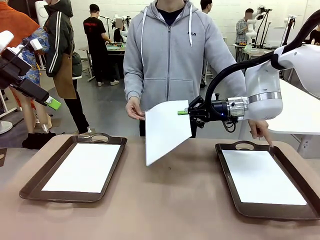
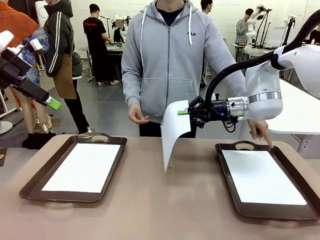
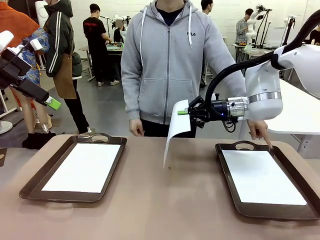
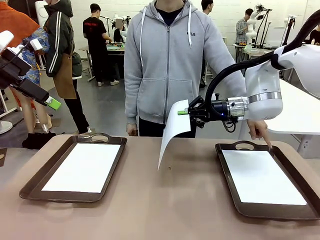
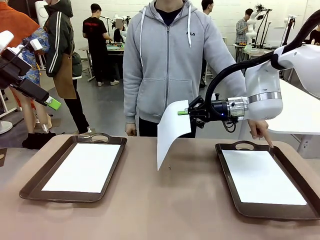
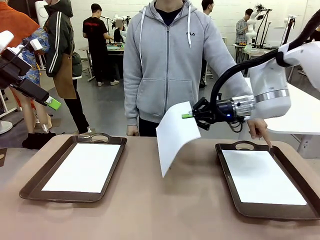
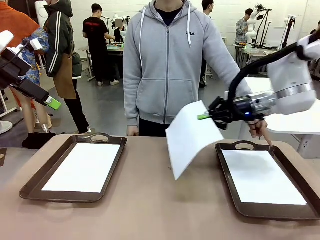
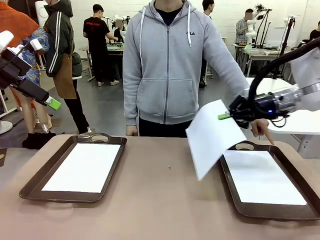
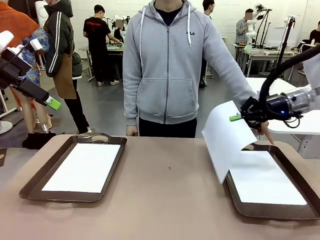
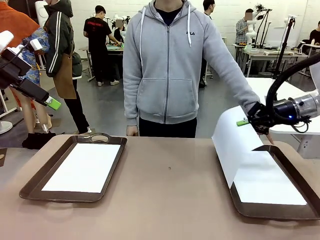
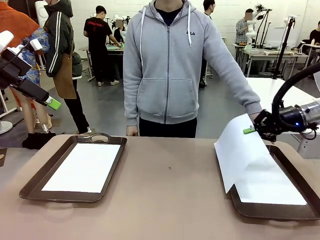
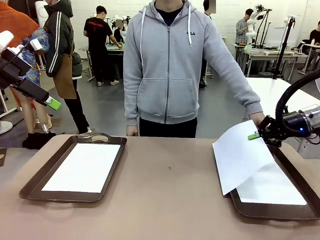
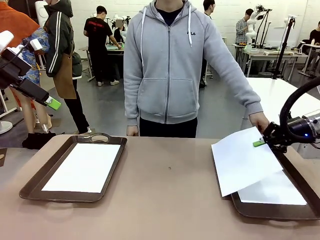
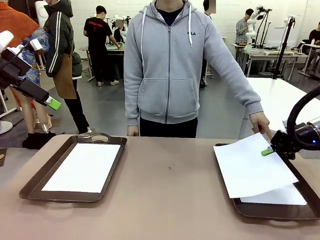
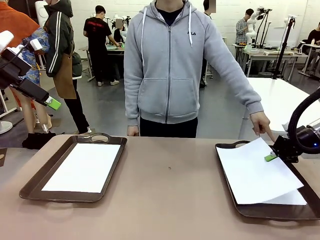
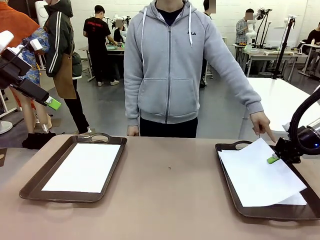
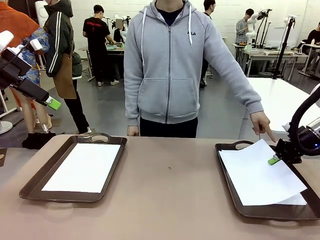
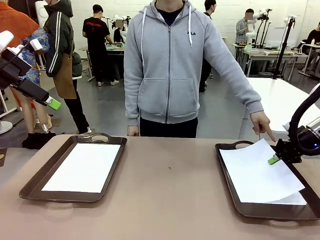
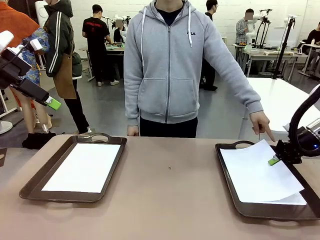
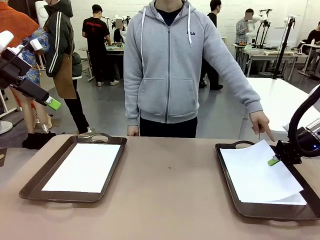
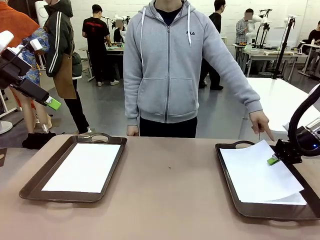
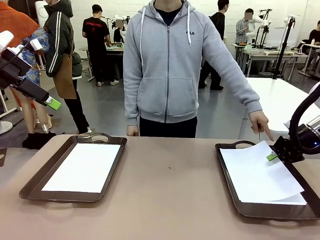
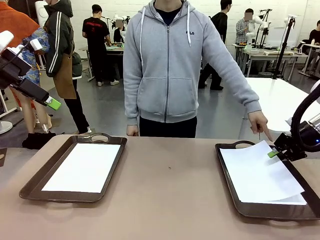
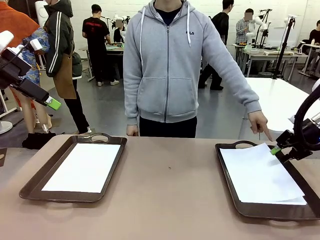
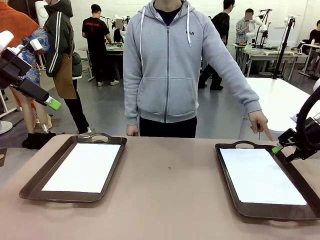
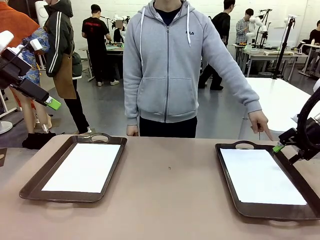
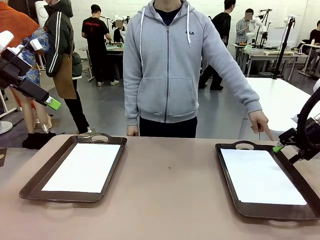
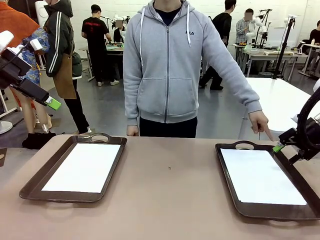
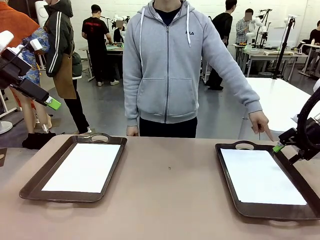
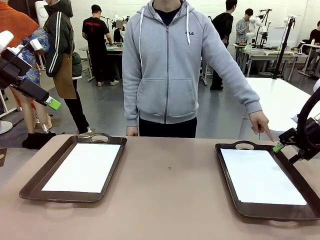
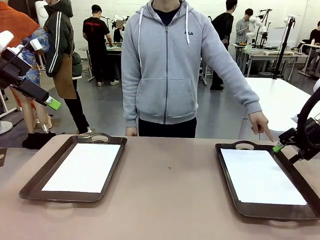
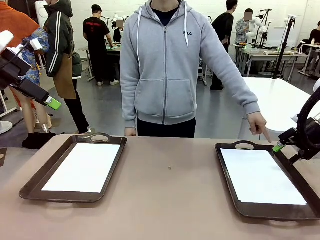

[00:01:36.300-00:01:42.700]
Task: Sort the A4 documents.
Robot: Place the A4 Paper in the designated Handle tray.

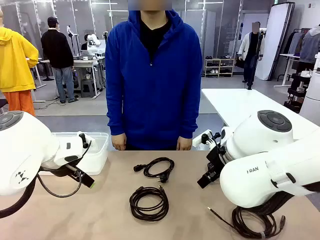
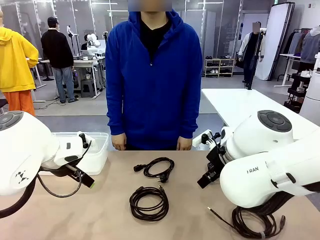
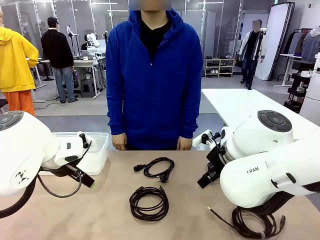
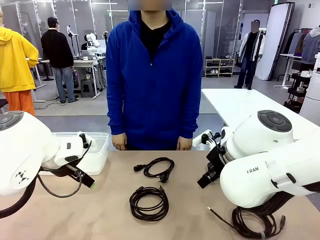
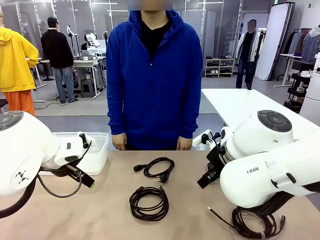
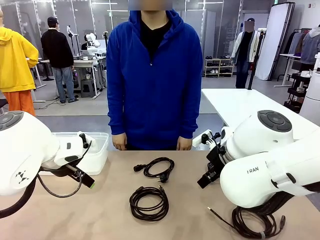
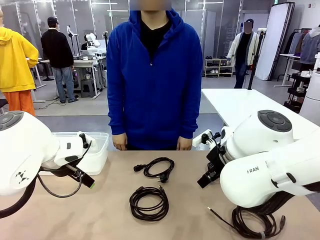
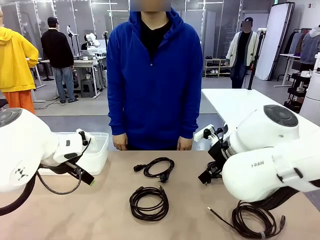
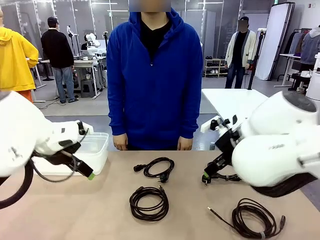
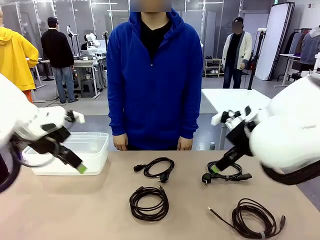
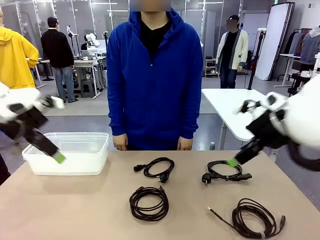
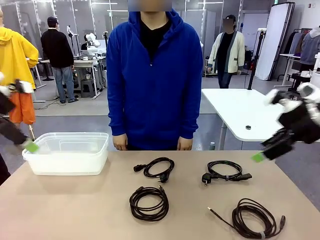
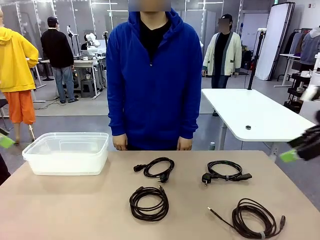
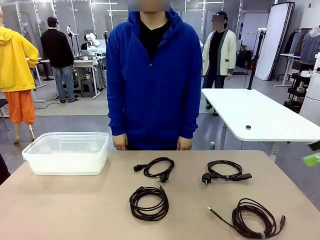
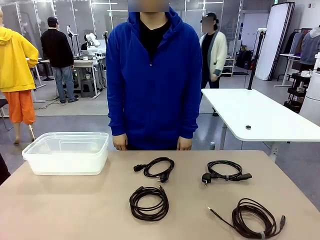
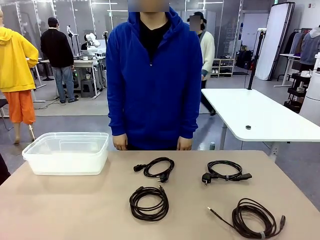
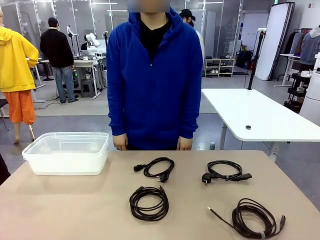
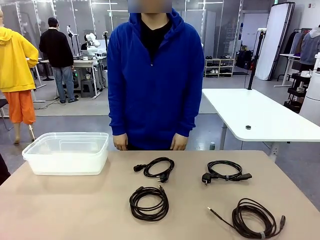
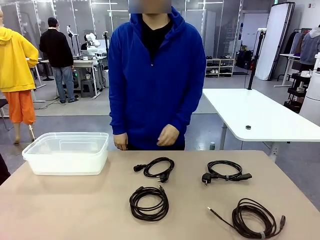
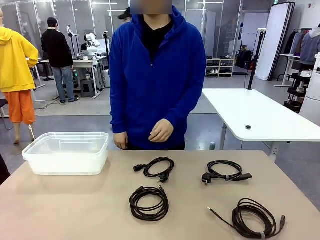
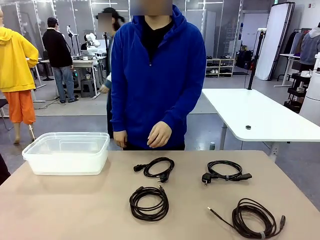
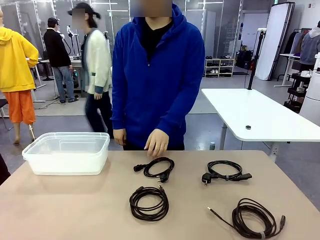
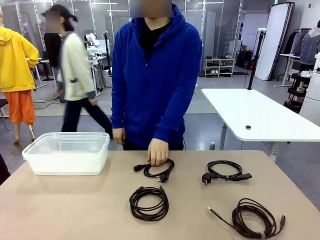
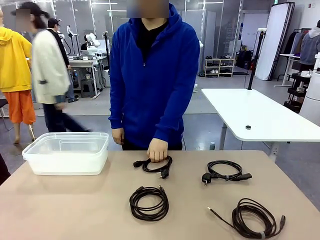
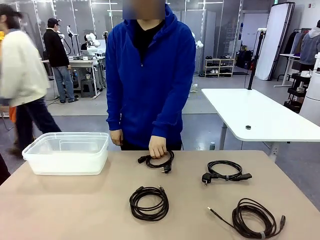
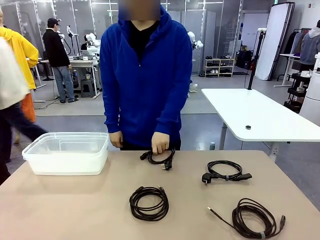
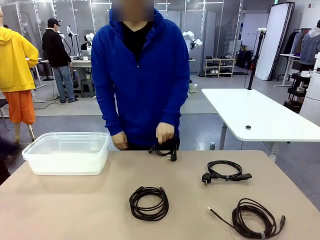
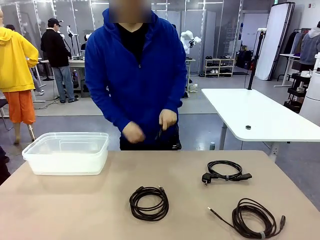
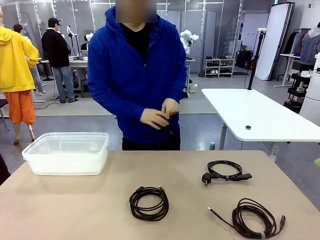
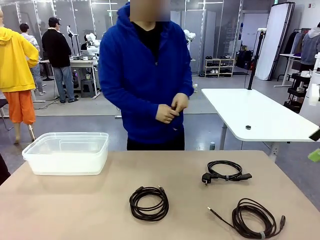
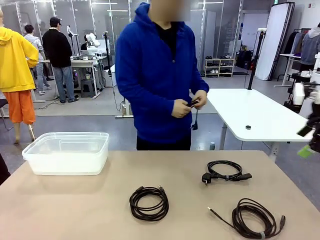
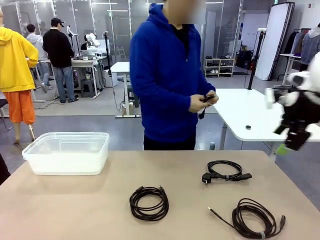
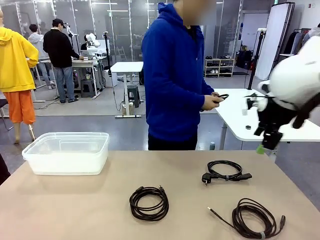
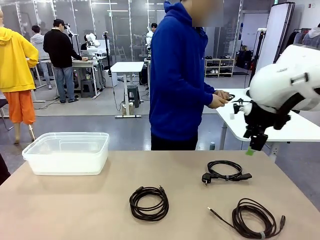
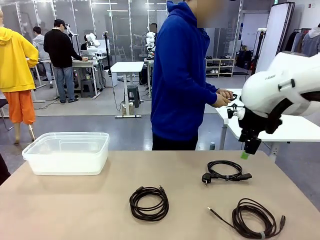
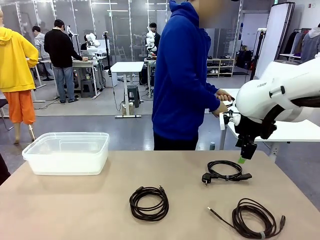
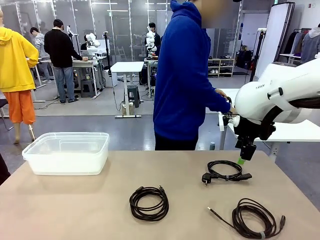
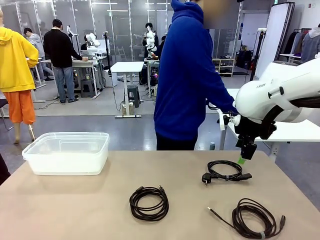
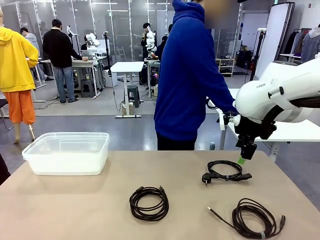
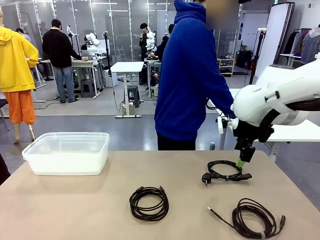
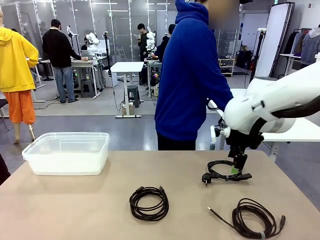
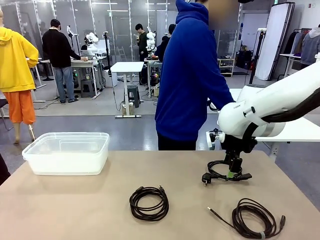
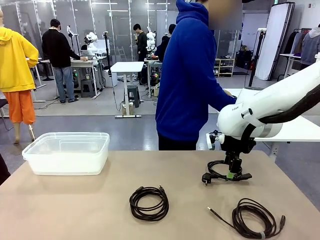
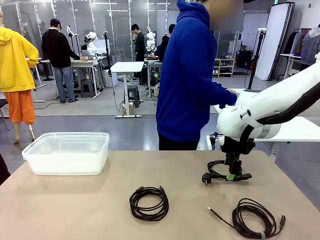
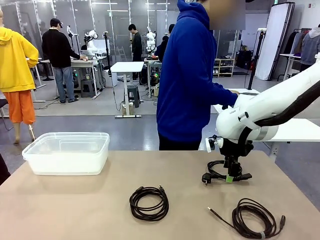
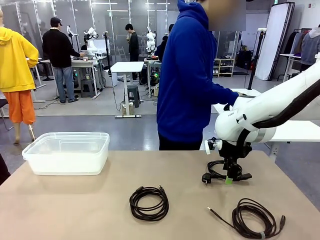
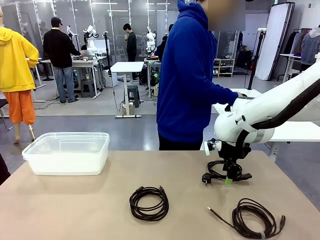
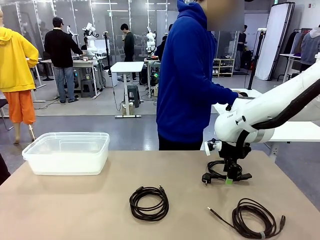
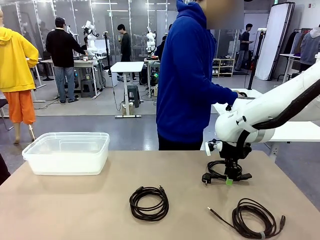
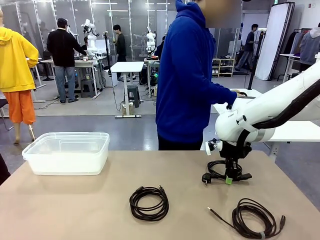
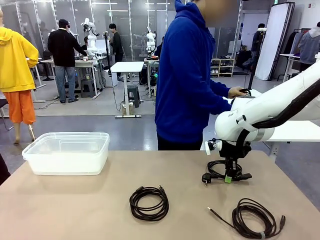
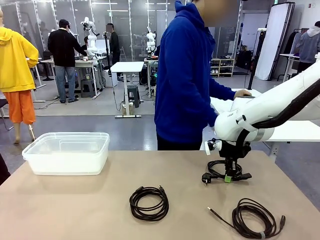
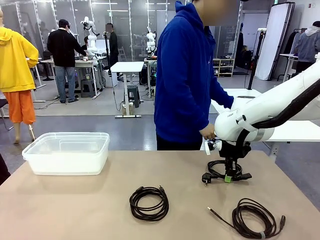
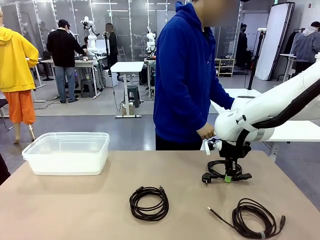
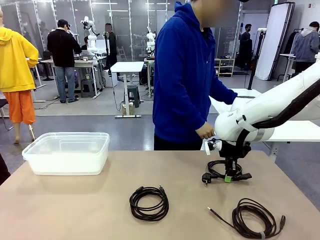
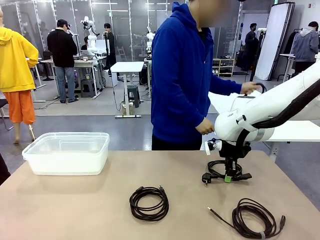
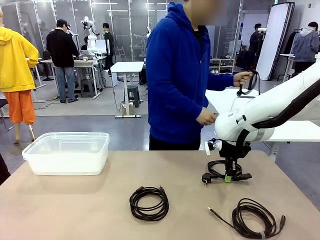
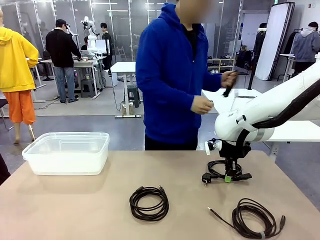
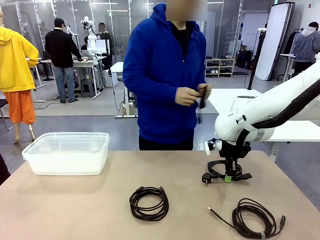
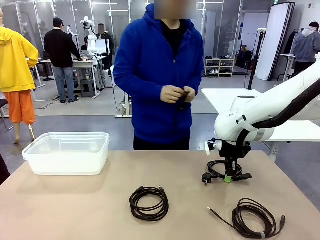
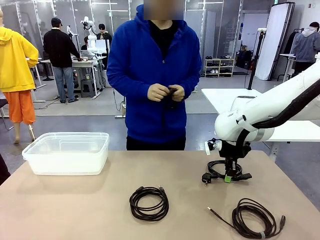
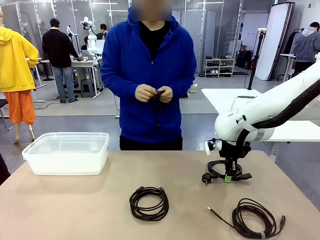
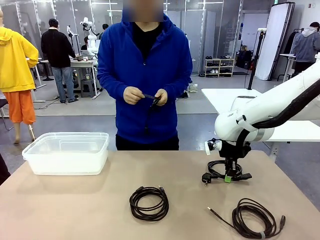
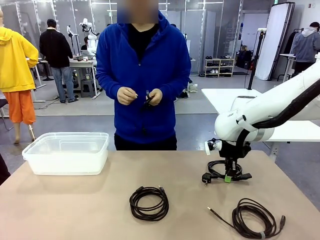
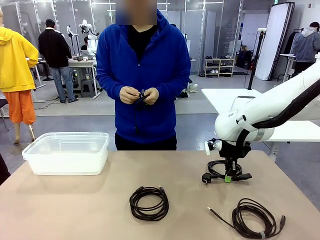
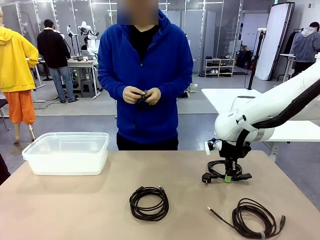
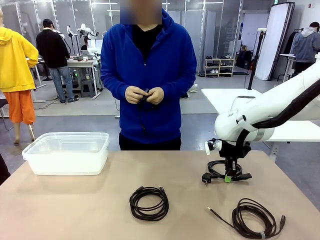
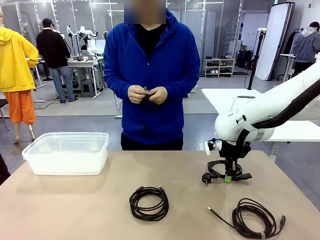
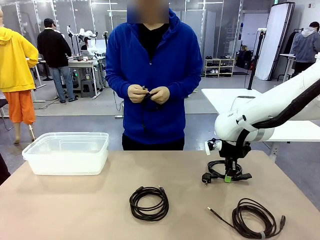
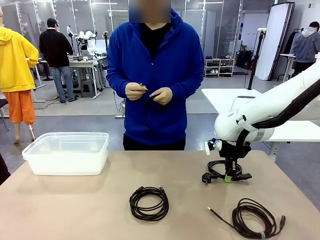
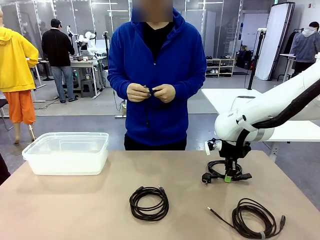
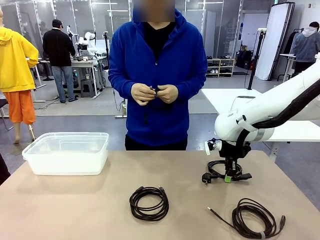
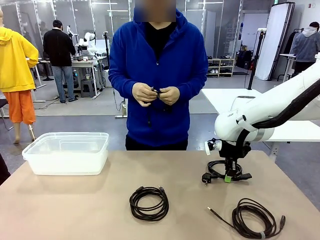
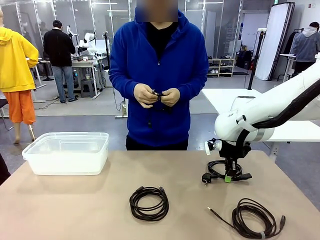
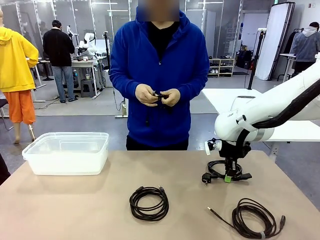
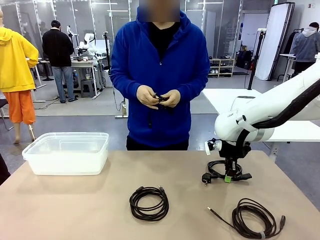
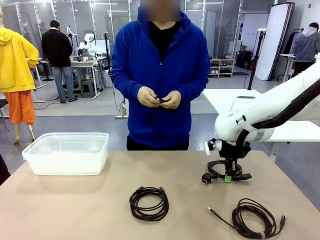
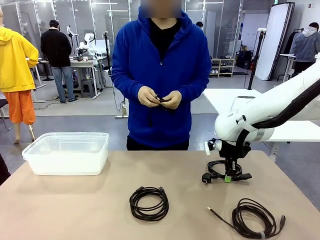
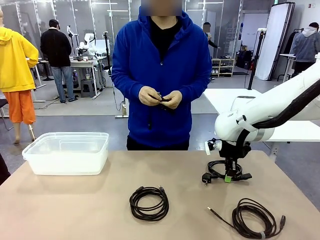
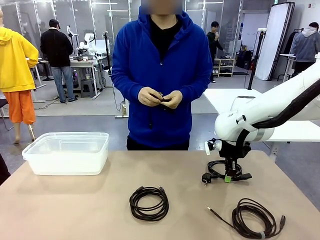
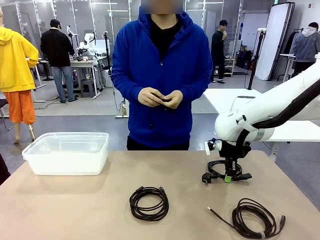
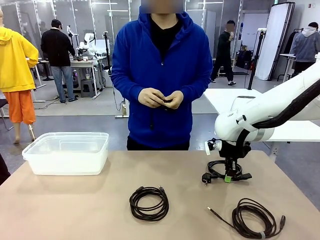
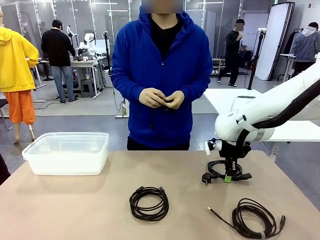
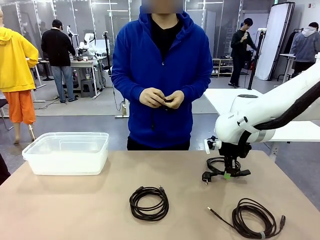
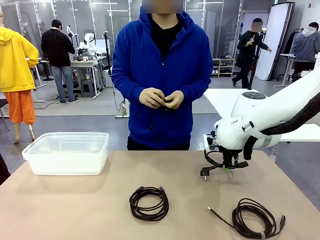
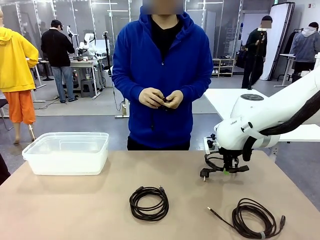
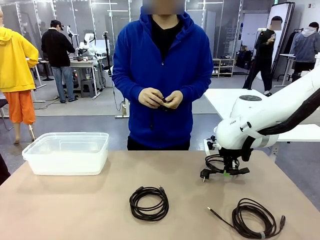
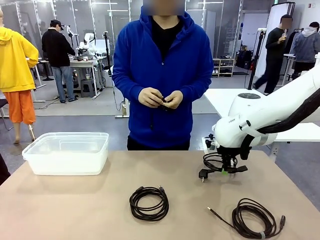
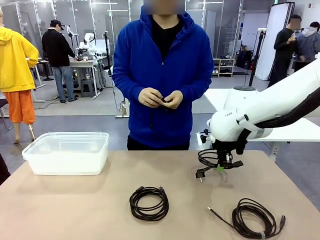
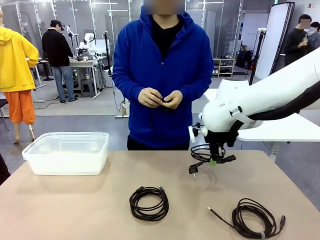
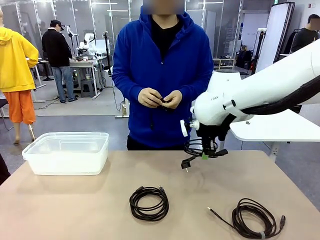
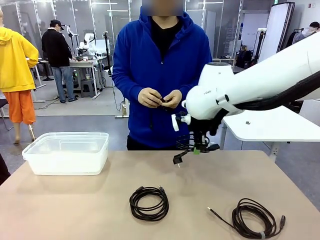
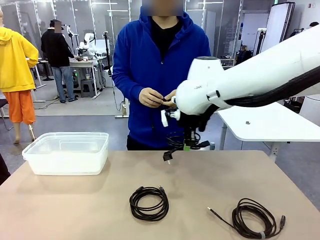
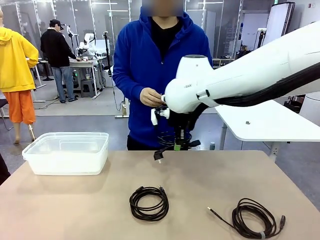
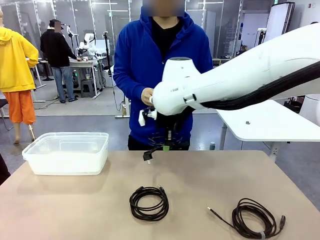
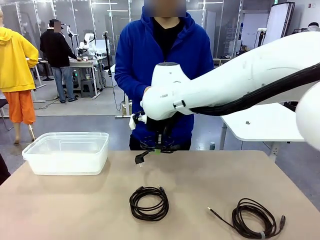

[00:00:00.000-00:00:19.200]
Task: Organize and store the cables.
Robot: Place the Power Cable into the Organizing box.
Person: Tie one Power Cable with a Reusable Cable Tie.
